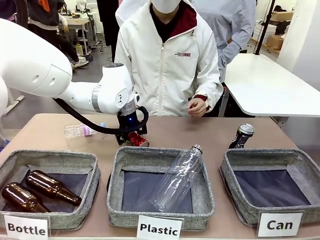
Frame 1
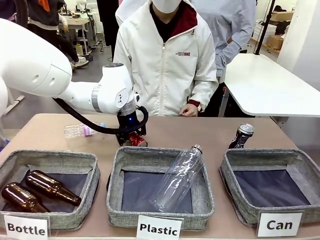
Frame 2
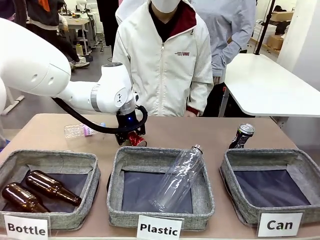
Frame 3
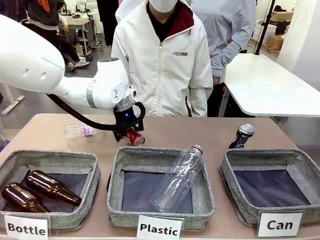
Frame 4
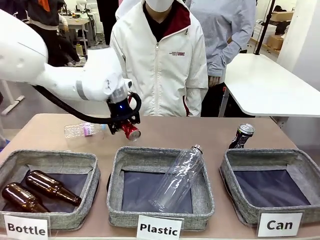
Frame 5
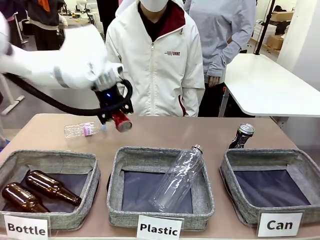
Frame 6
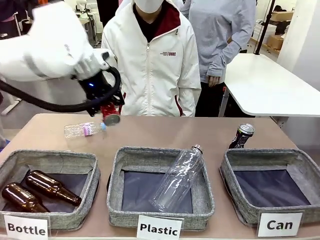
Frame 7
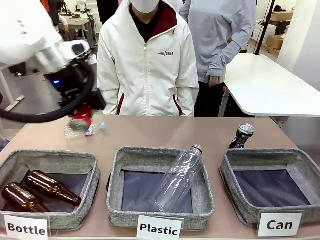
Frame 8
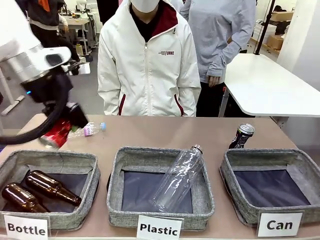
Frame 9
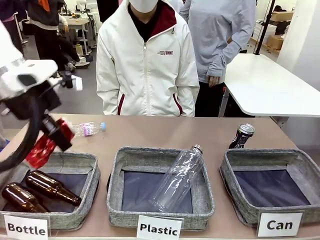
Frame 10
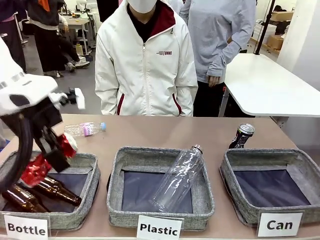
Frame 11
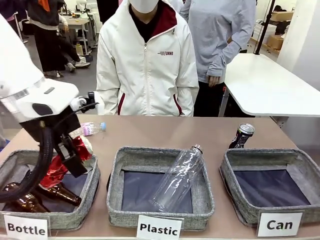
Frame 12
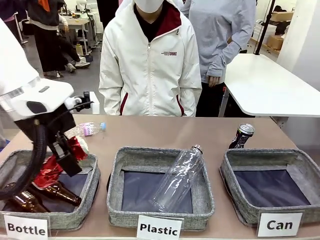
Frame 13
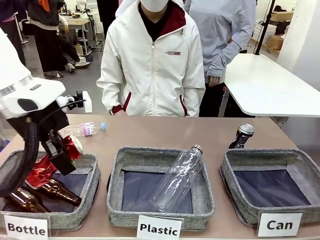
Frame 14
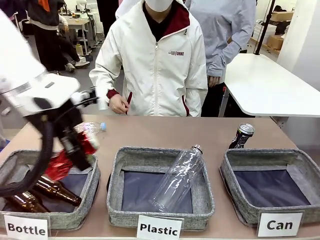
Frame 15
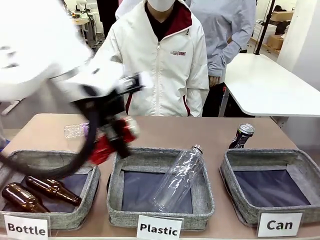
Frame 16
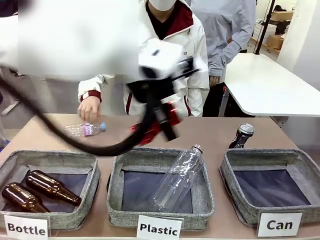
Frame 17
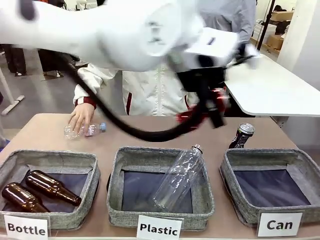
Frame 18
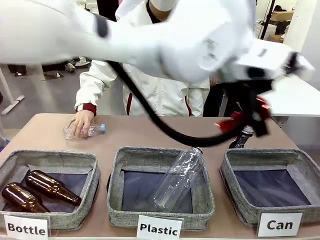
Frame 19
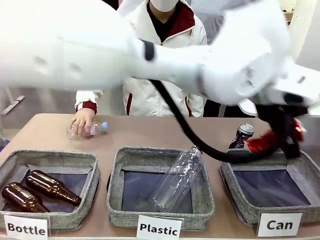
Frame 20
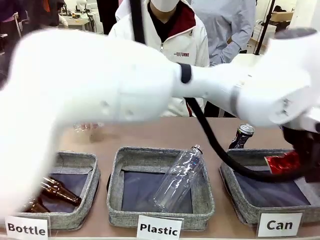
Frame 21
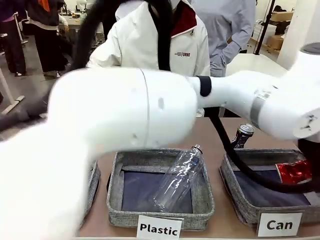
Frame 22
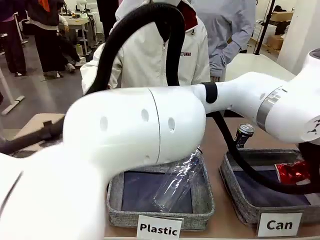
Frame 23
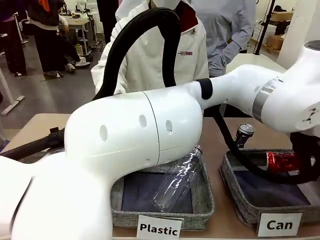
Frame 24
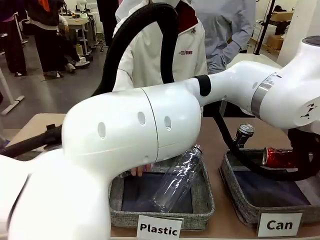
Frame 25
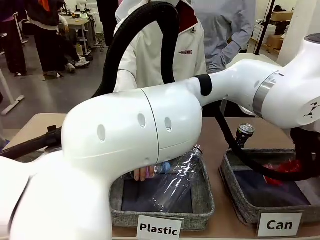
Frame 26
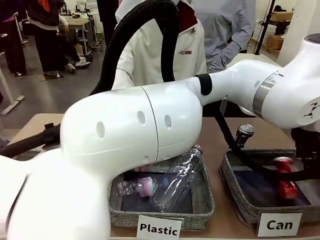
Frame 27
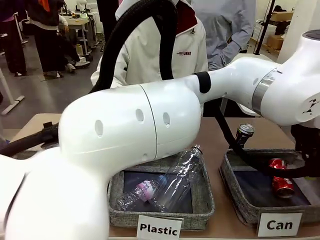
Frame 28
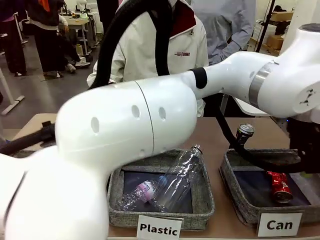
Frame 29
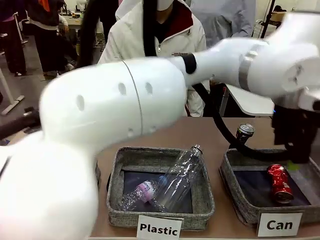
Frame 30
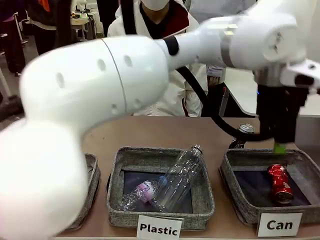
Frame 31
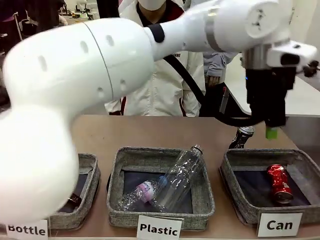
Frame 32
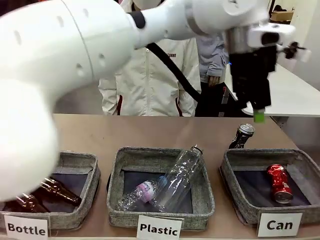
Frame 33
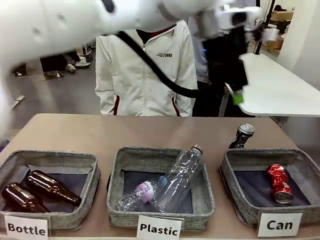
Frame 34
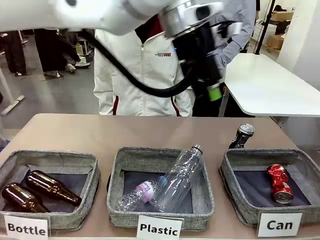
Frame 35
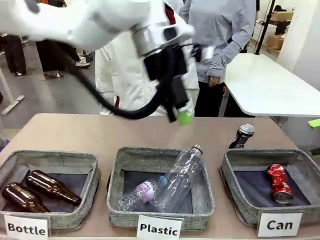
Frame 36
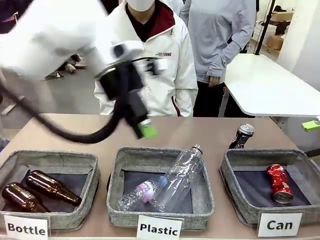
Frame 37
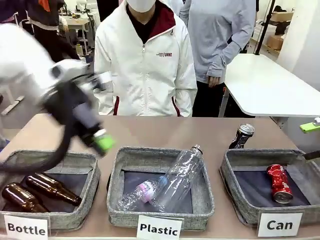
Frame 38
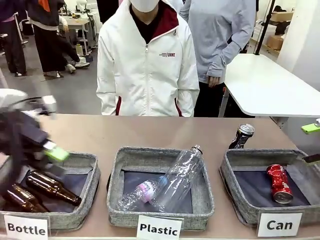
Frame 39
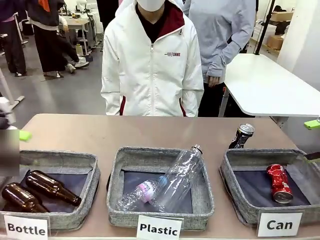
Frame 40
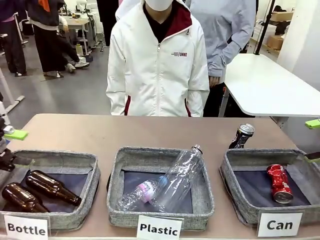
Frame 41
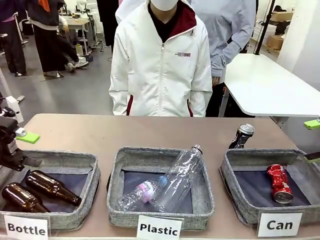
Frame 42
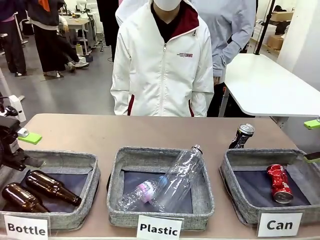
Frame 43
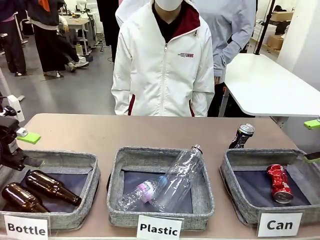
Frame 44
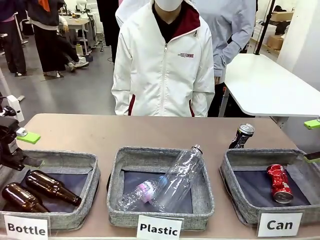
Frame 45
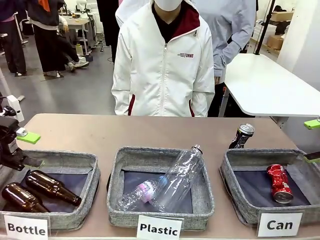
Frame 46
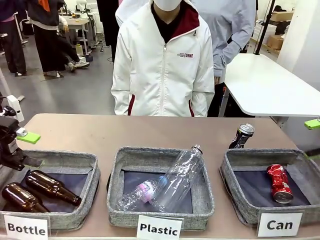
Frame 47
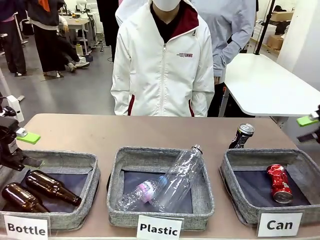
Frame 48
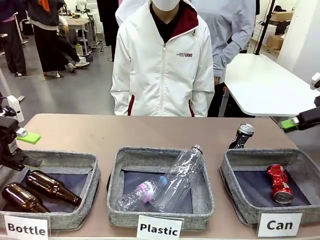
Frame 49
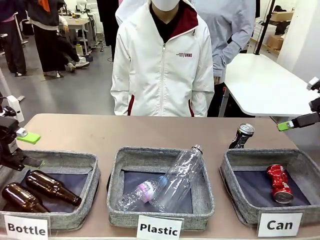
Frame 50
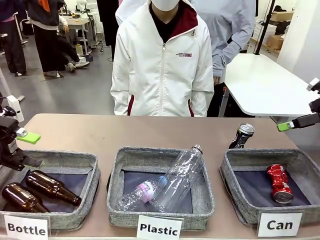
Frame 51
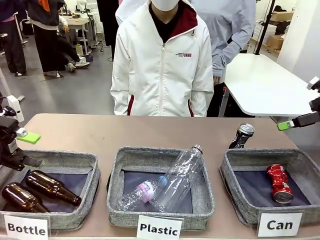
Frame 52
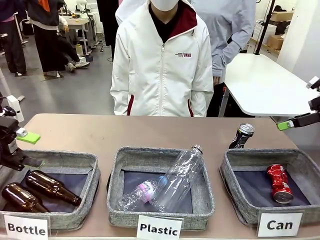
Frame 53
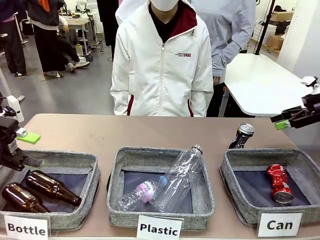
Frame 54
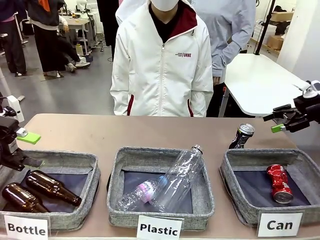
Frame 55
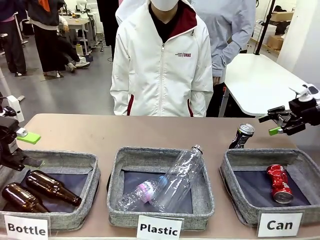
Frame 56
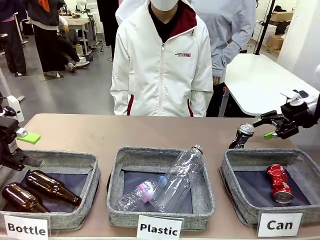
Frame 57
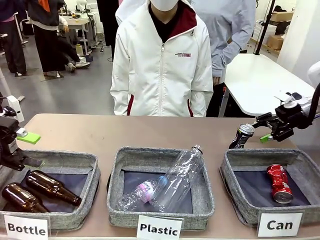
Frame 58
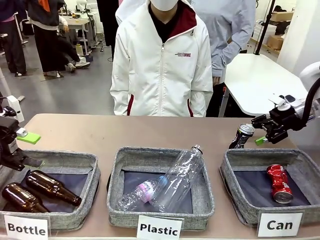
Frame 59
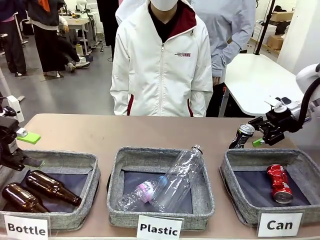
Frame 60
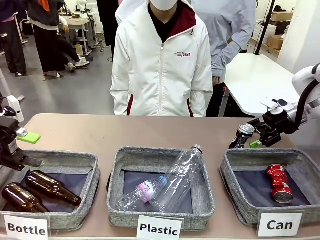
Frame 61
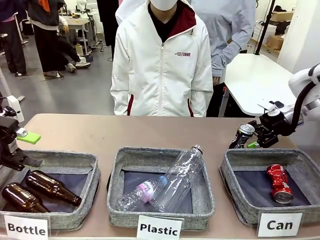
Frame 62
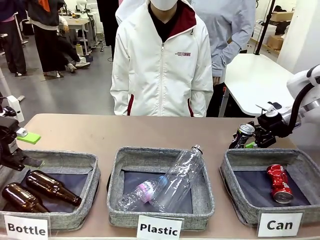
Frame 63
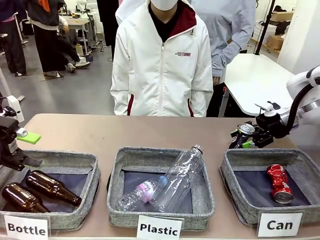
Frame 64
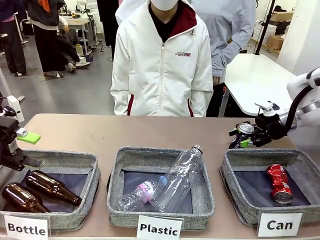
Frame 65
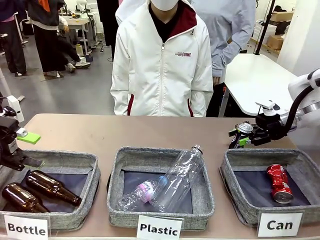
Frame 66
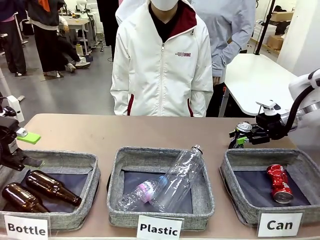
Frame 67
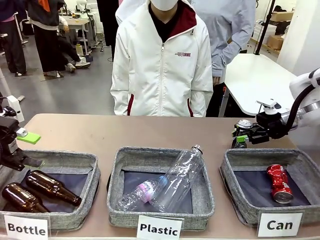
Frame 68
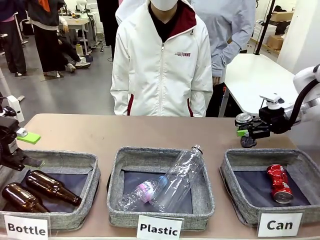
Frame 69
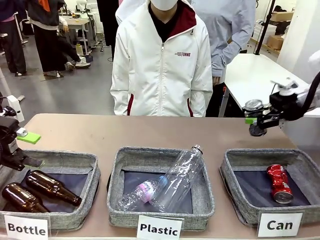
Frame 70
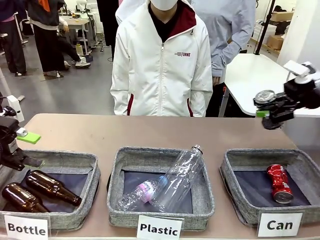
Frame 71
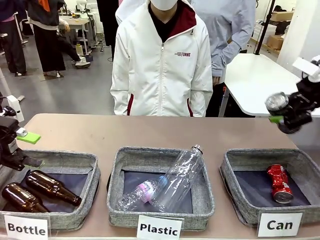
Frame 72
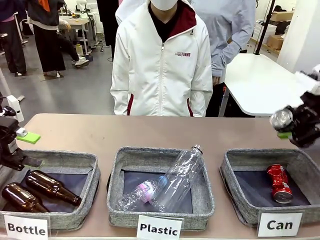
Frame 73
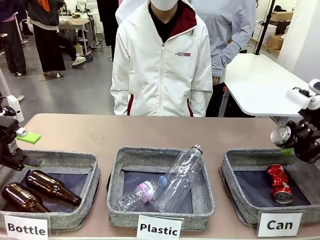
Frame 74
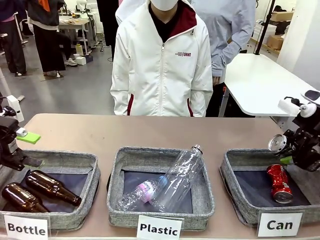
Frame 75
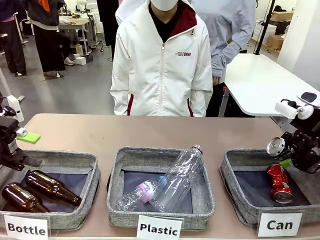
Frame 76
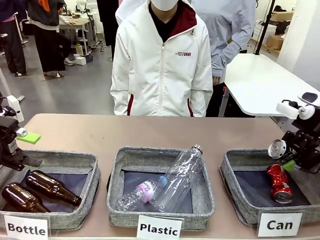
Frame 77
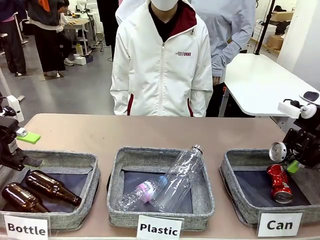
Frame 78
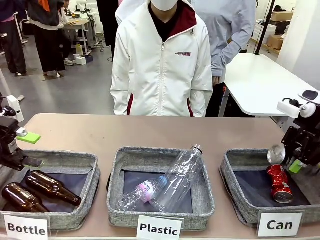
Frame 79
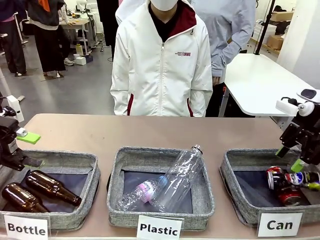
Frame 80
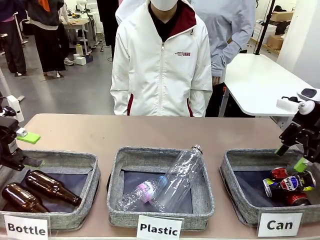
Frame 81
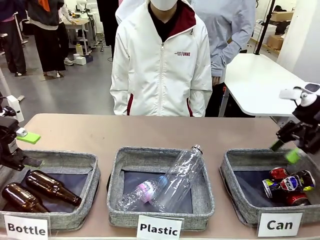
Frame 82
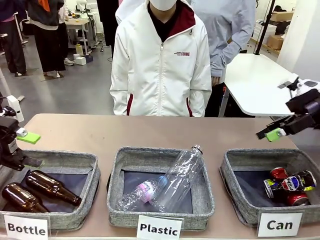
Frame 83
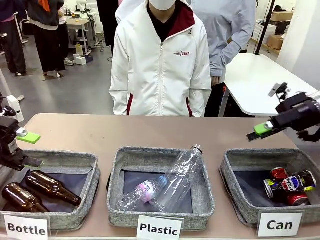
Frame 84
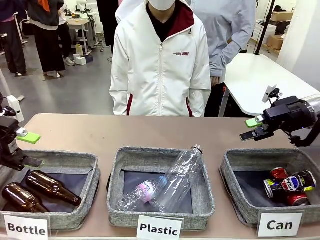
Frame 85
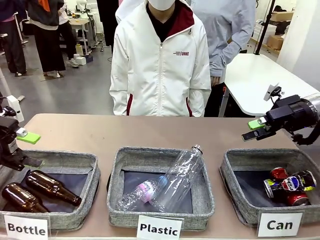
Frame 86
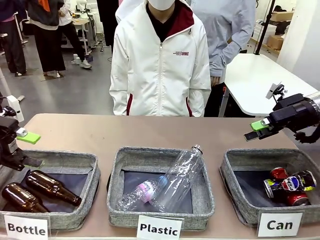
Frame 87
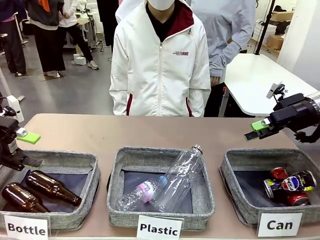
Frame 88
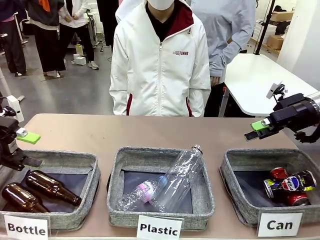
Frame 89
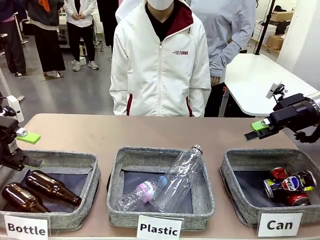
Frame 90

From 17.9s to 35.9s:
Task: Sort the can waste into the basket.
Robot: Pick up the can waste from the table and place it in the right Fabric basket.
Person: The human picks up one piece of trash that is not a can and places the trash into the appropriate organizing basket.
